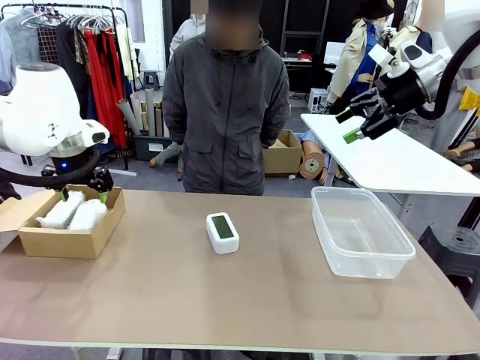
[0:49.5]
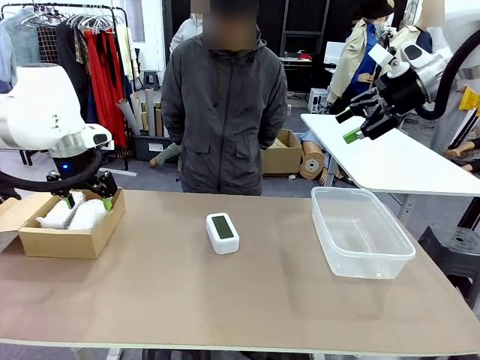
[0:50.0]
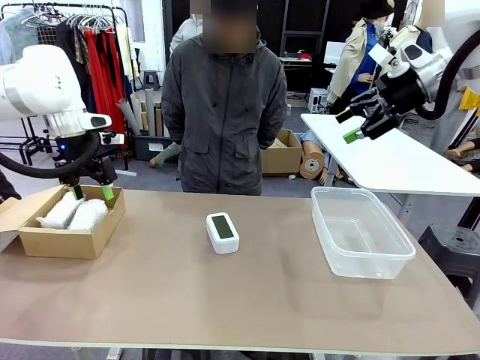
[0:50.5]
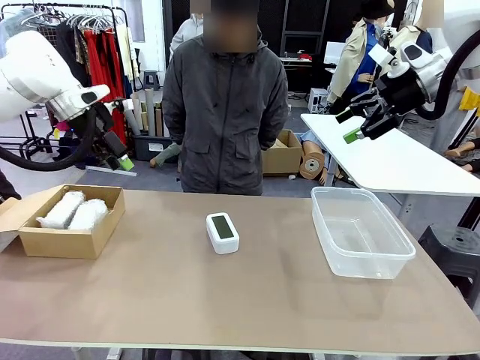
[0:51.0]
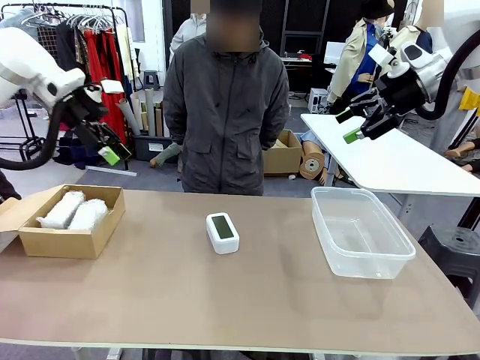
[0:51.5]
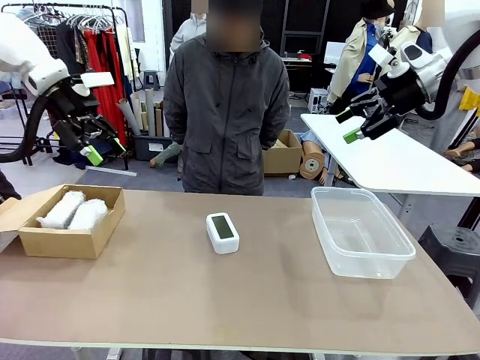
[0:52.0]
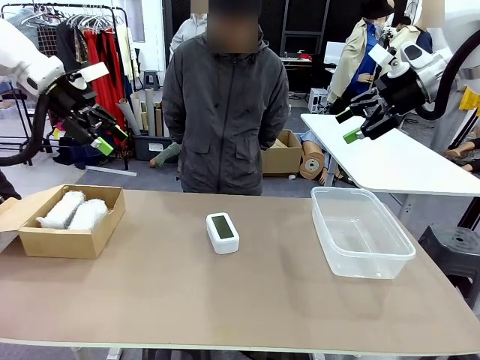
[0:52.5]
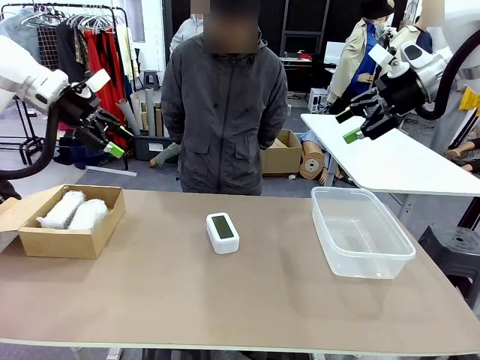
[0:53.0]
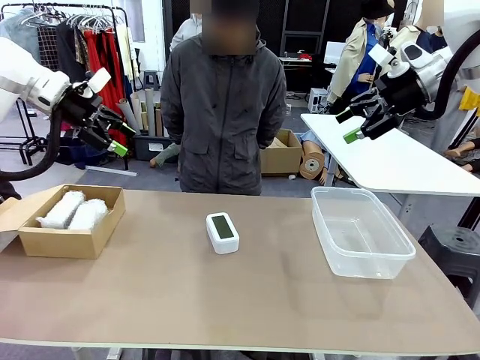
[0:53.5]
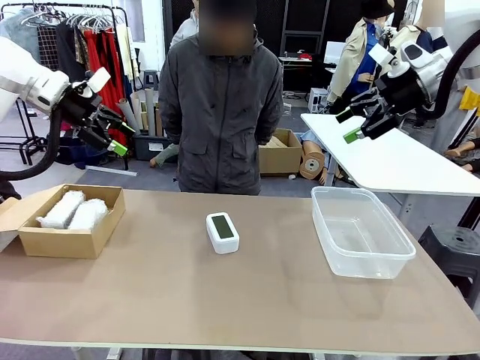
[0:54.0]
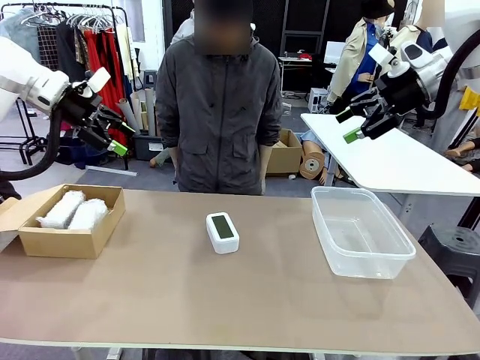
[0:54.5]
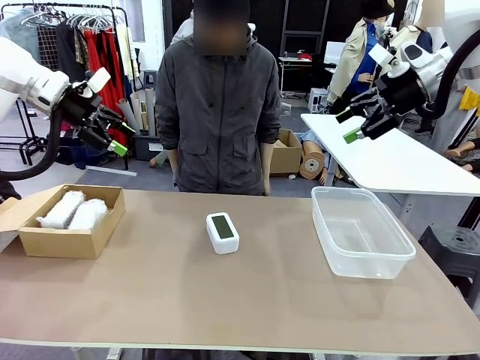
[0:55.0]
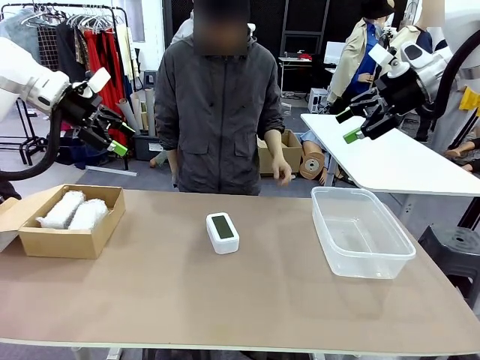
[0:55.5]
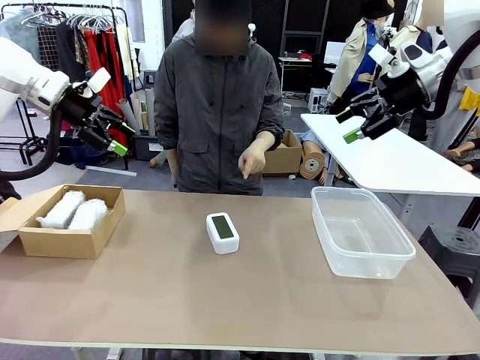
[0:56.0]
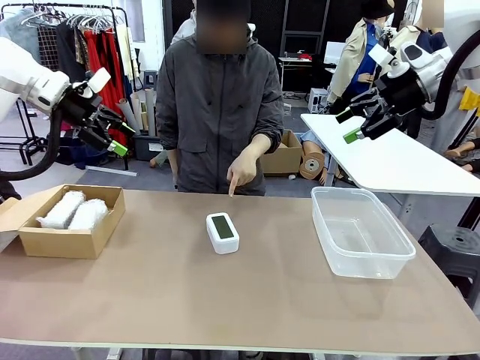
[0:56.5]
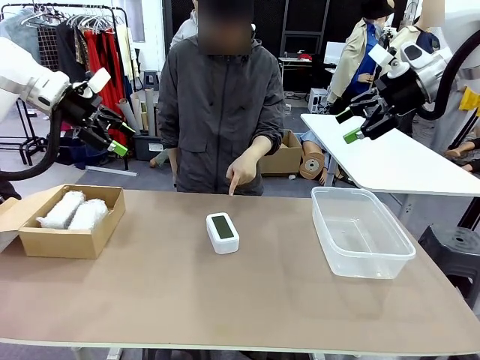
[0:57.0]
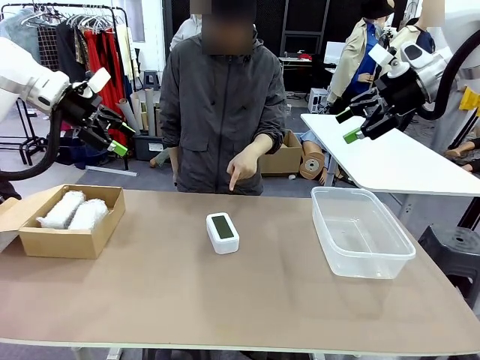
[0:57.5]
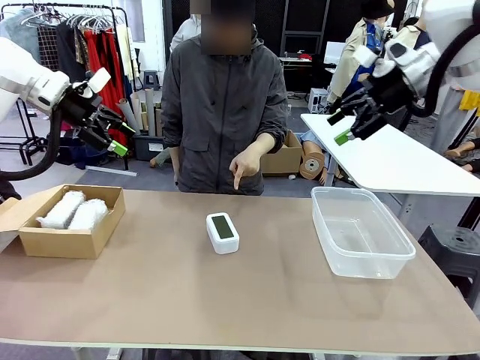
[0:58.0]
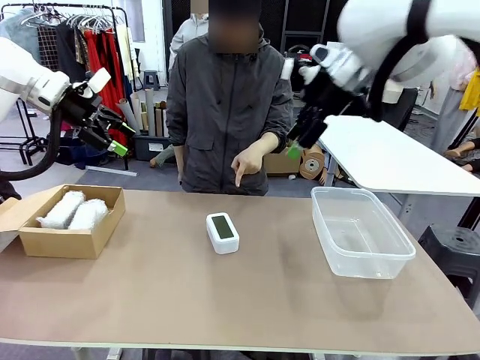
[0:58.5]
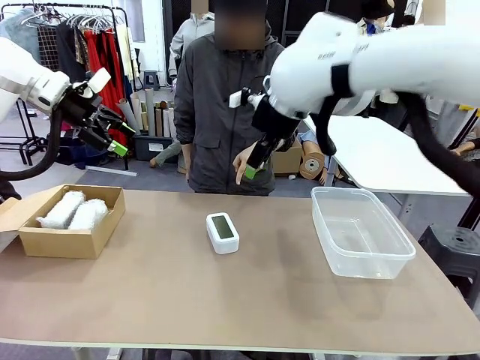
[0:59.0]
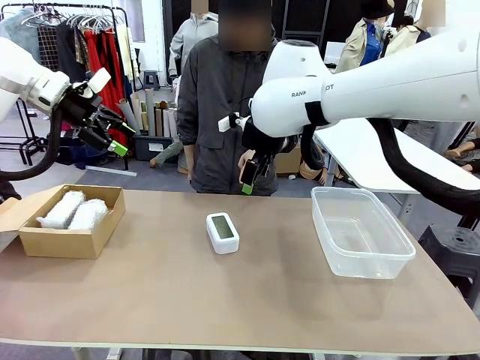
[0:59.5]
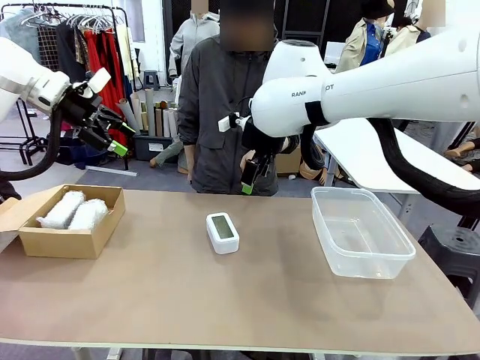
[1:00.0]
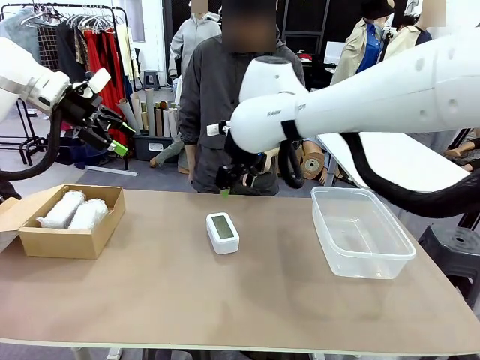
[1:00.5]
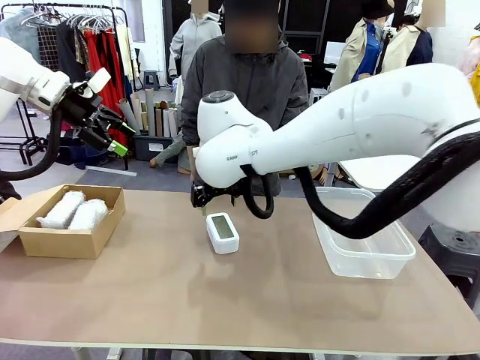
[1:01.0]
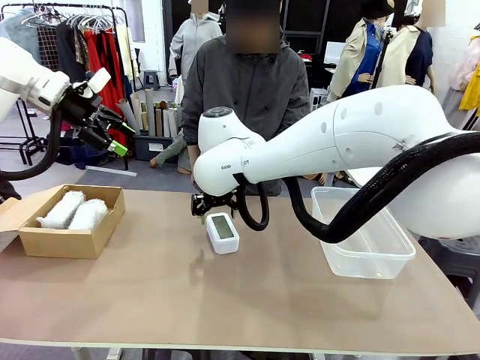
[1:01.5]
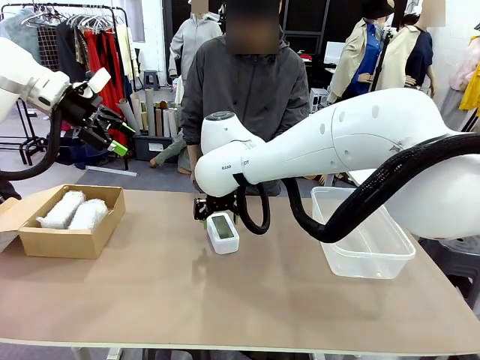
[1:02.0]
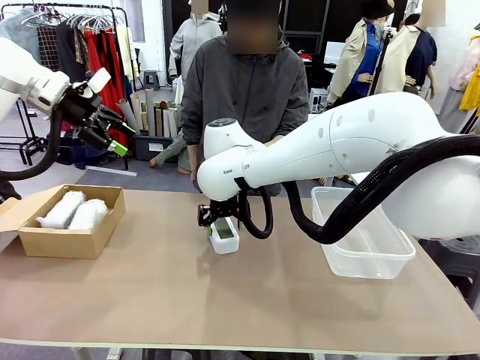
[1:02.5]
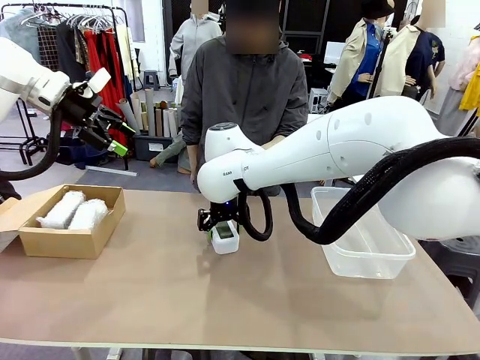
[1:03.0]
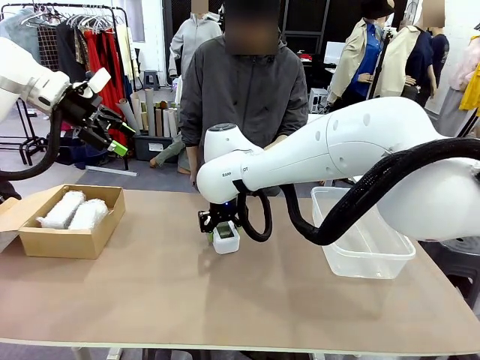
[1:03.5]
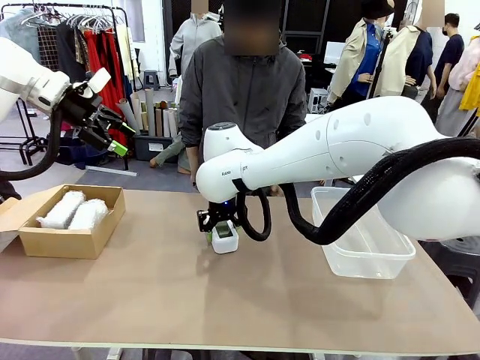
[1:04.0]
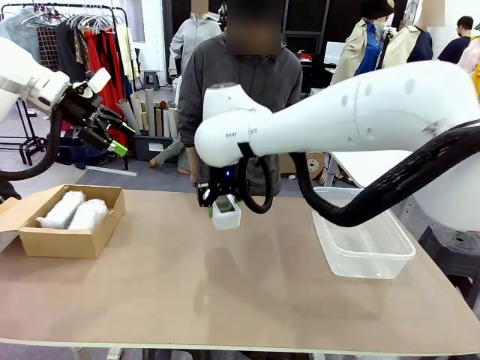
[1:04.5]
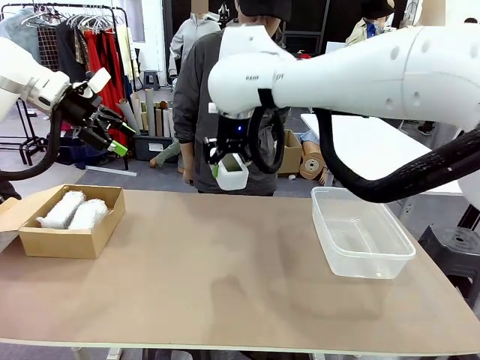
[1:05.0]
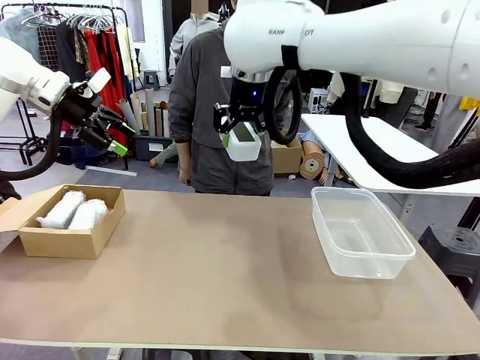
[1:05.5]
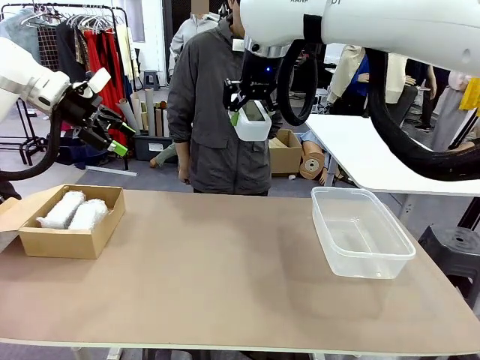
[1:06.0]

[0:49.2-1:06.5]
Task: Separate and place wrapped and unwrapped clocks.
Robot: Pick up the Digital clock indicated by the person.

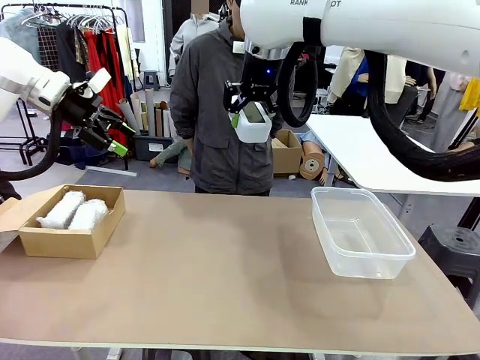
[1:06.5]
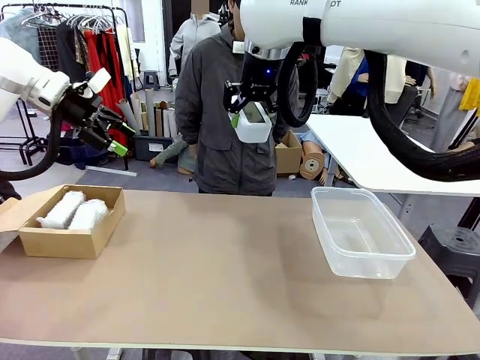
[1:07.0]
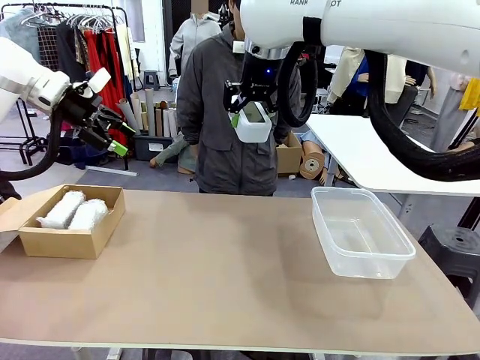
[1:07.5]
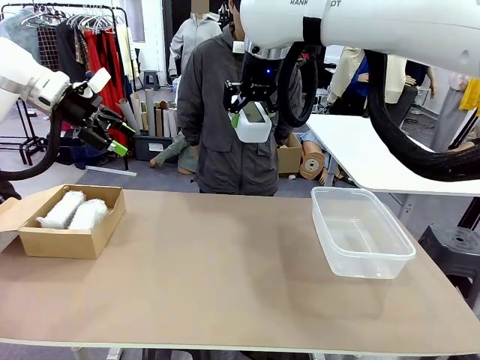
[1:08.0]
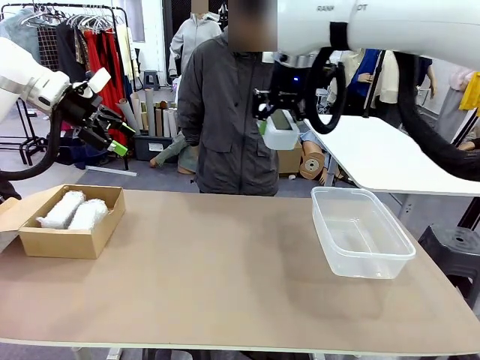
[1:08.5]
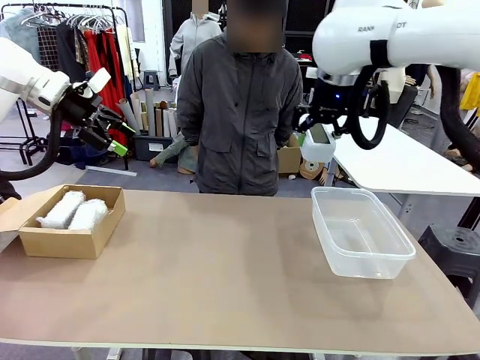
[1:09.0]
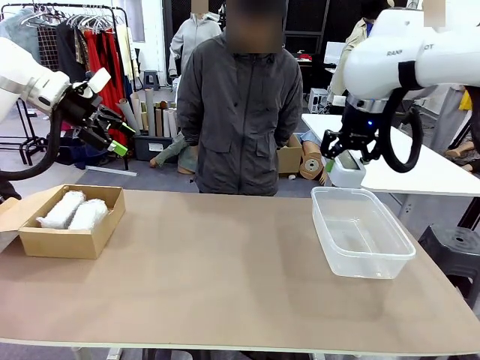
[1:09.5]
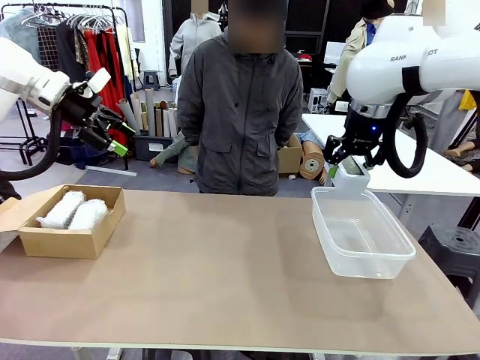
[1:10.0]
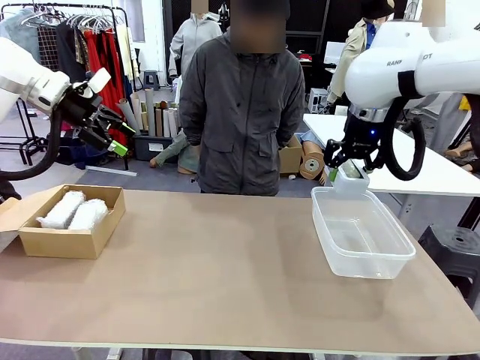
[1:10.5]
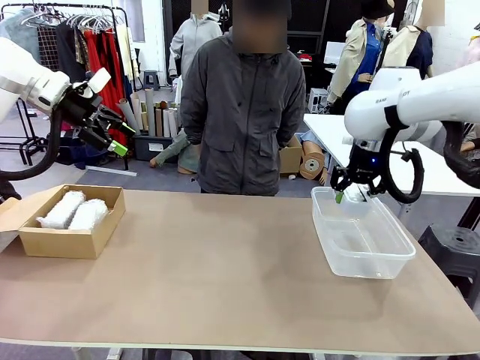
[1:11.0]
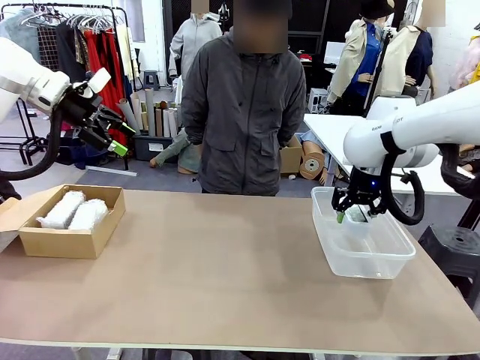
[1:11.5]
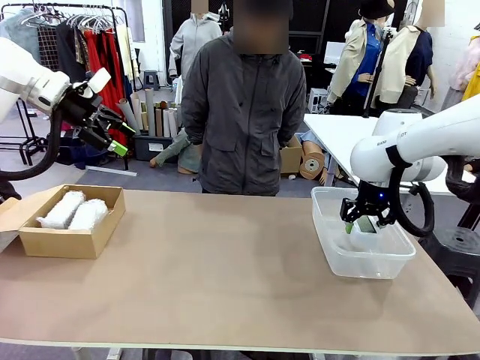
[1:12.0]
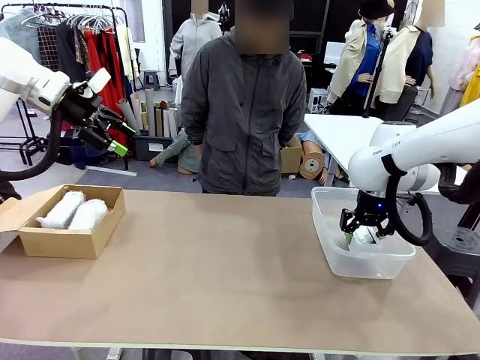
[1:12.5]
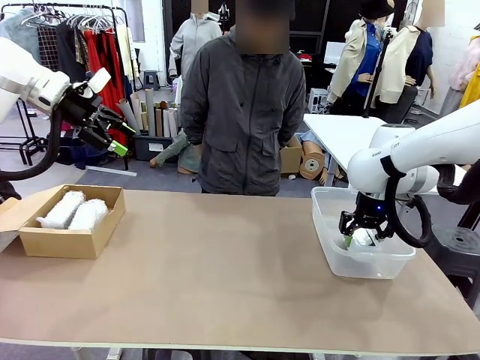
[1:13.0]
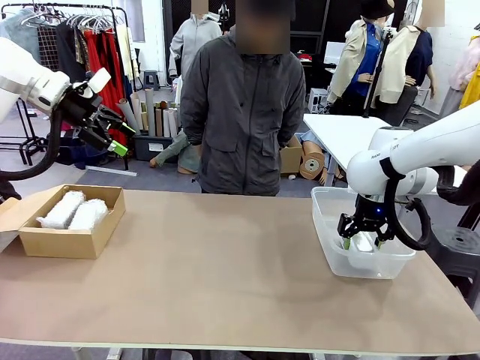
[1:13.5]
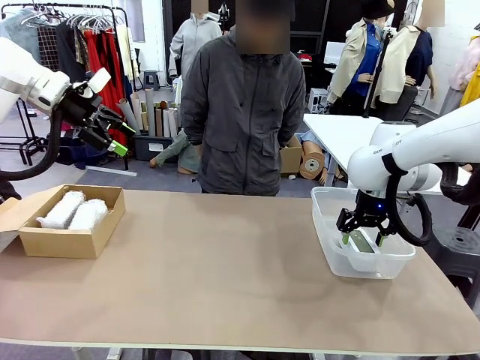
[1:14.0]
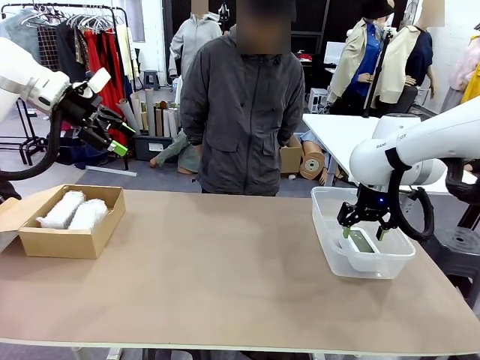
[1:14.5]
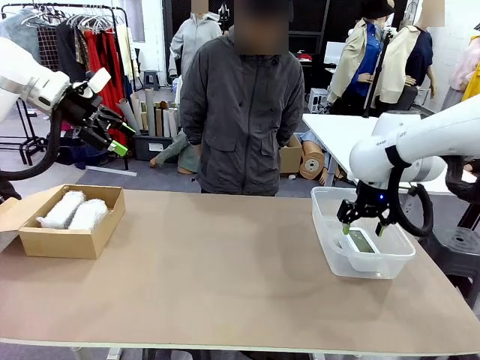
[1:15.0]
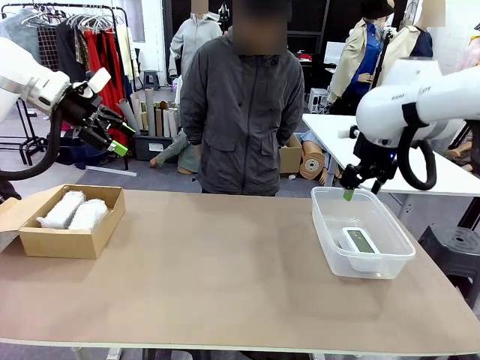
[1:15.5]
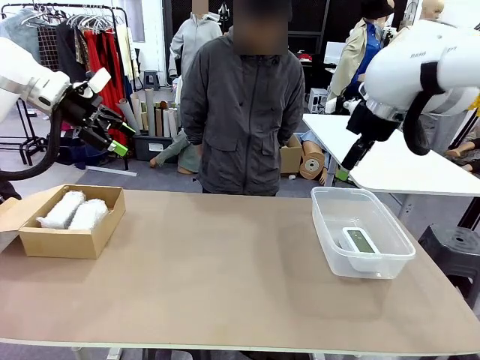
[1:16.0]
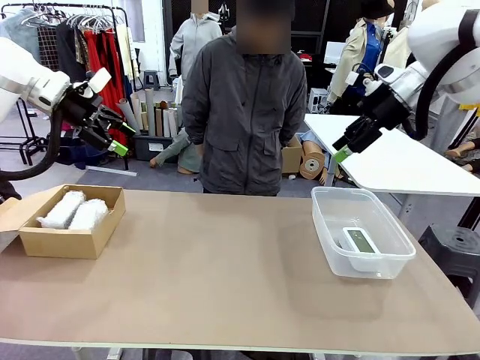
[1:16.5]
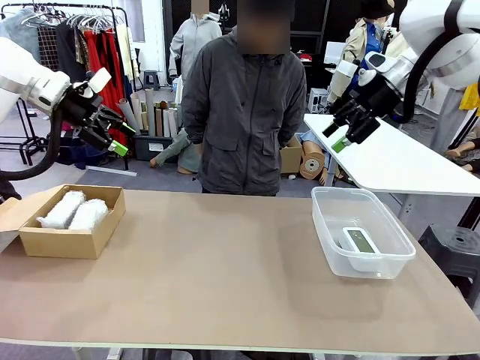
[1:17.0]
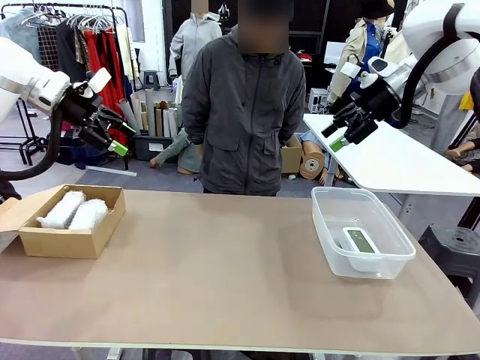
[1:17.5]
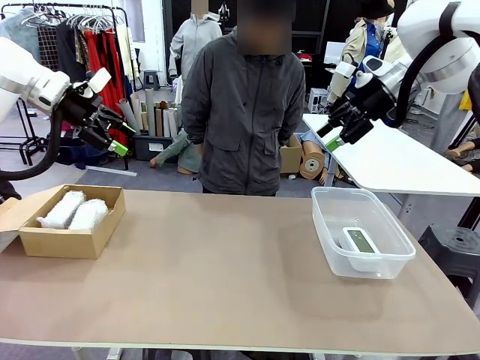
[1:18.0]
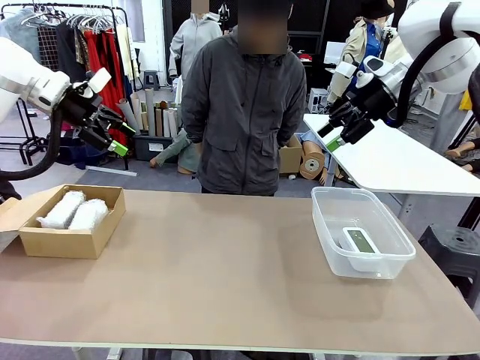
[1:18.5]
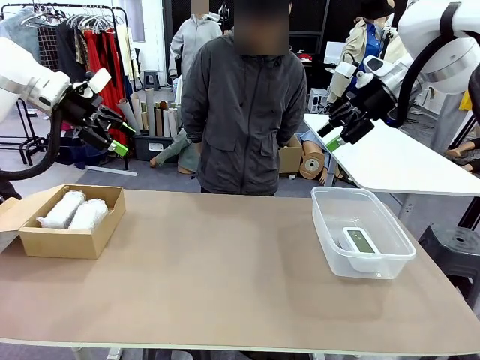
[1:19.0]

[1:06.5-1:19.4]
Robot: If the picked Digital clock is wrapped, place it in the Package Box ; if not, place it in the Organizing box.
